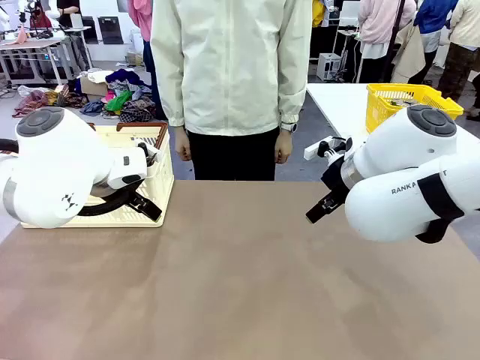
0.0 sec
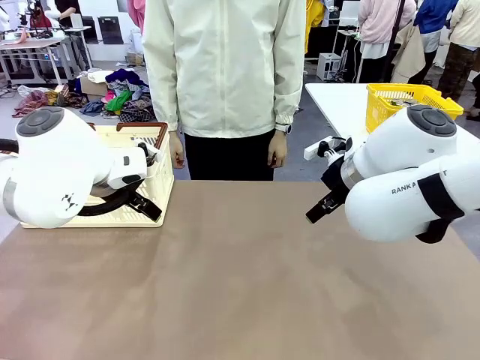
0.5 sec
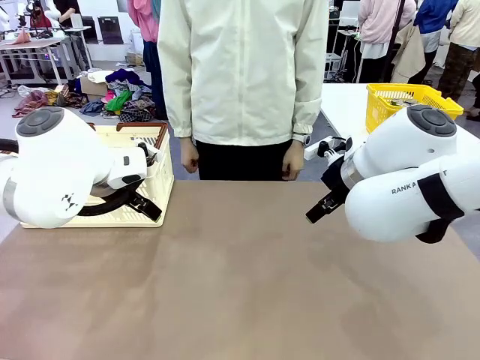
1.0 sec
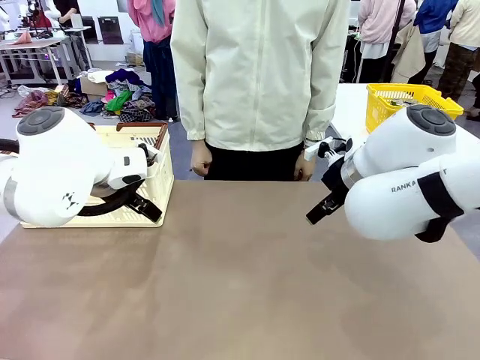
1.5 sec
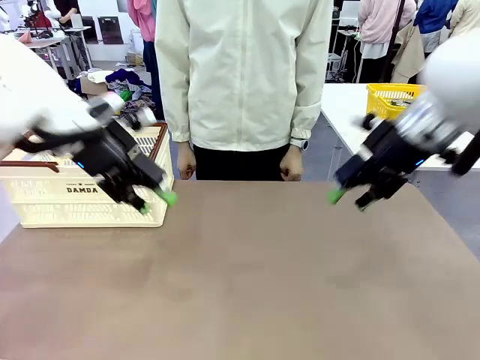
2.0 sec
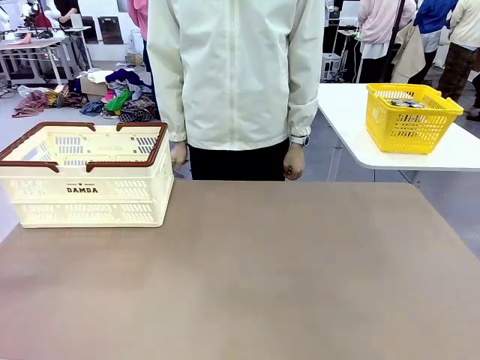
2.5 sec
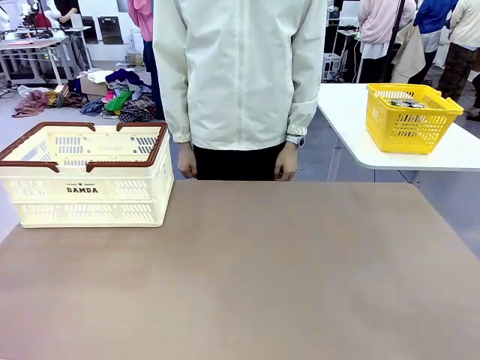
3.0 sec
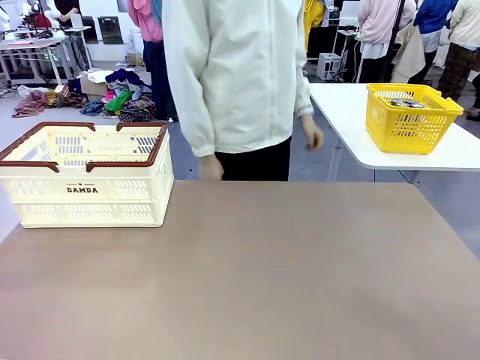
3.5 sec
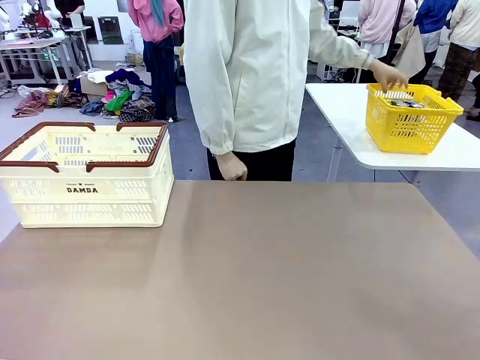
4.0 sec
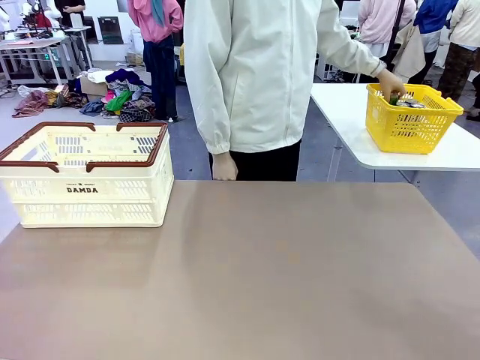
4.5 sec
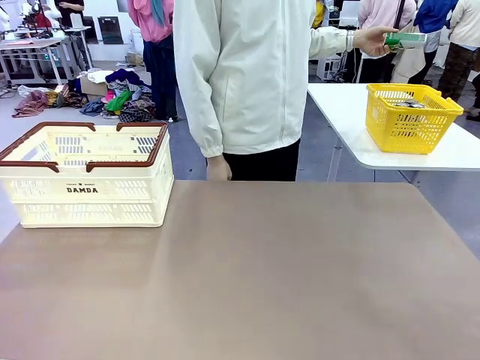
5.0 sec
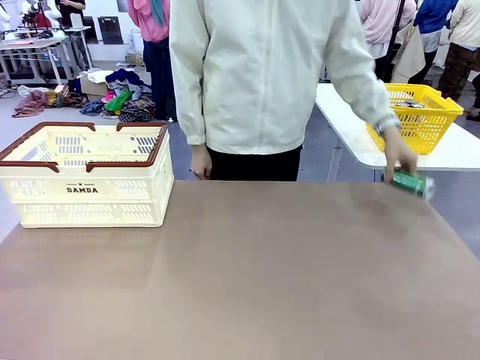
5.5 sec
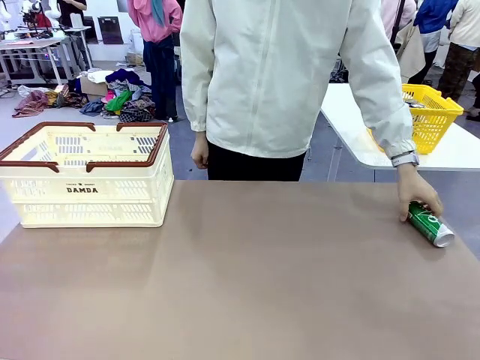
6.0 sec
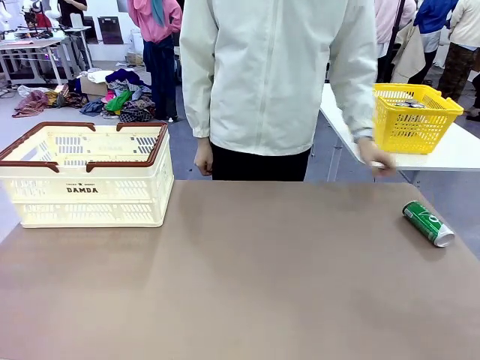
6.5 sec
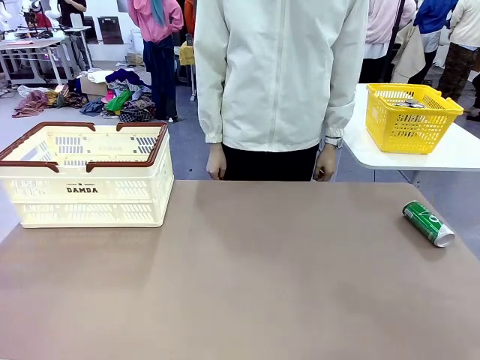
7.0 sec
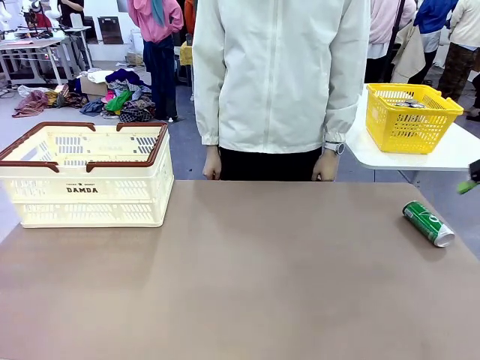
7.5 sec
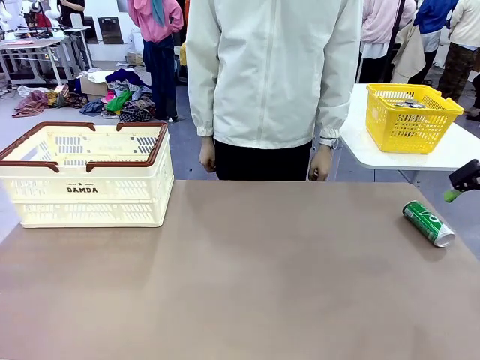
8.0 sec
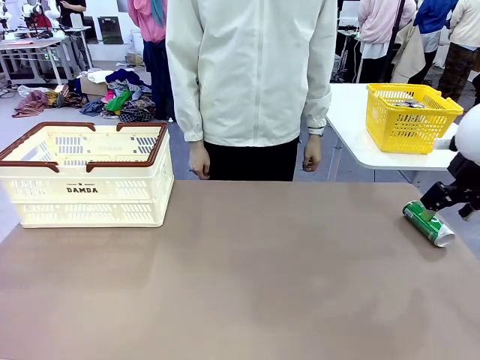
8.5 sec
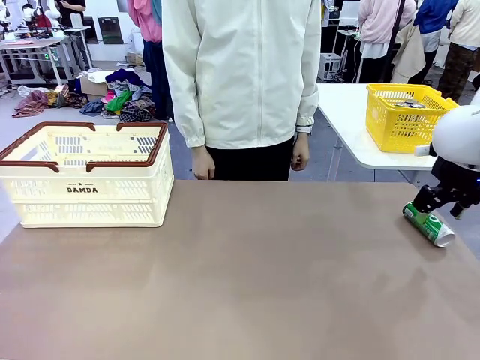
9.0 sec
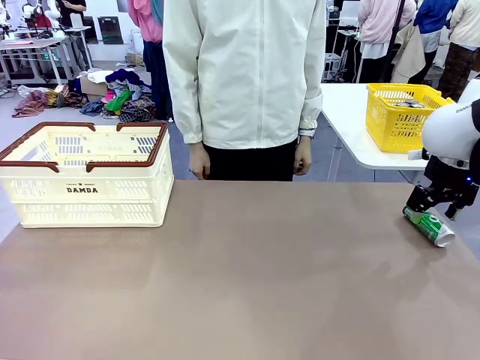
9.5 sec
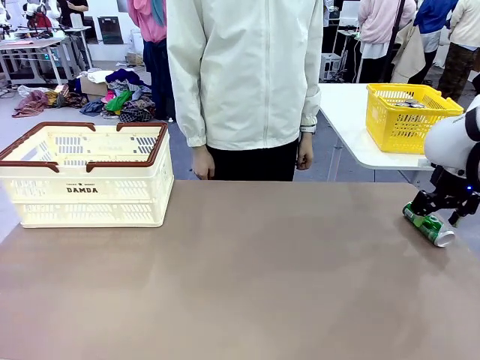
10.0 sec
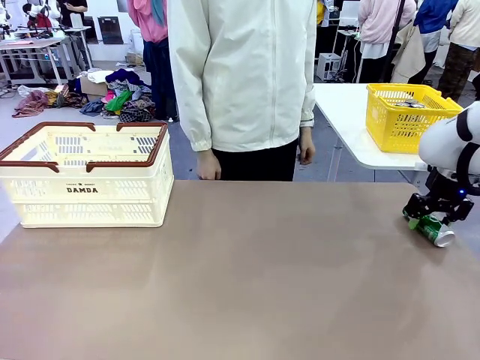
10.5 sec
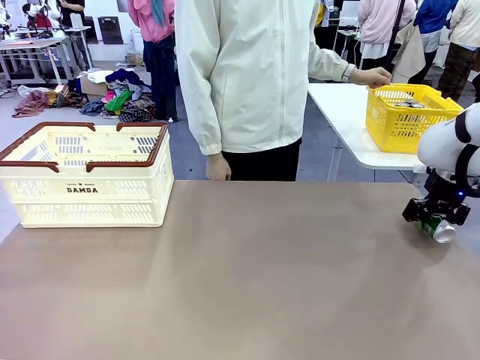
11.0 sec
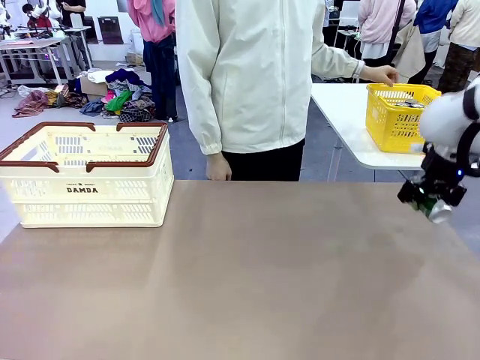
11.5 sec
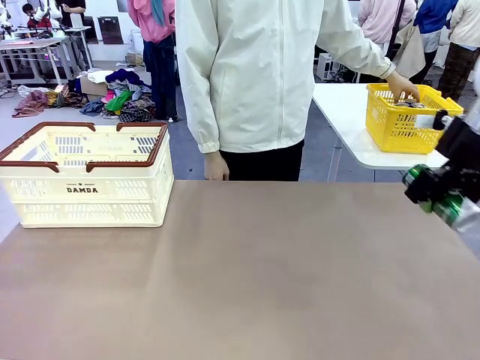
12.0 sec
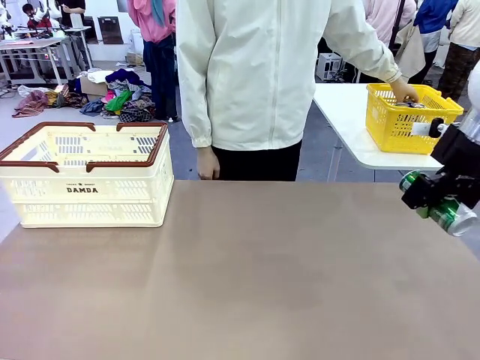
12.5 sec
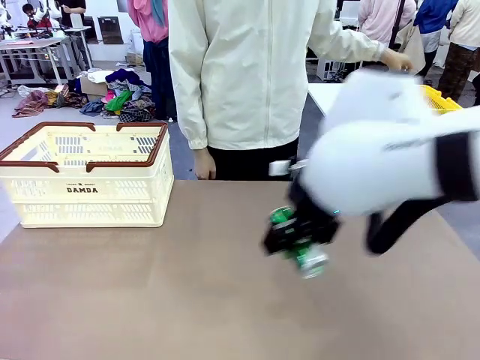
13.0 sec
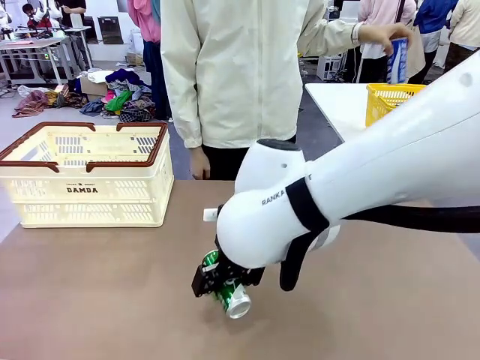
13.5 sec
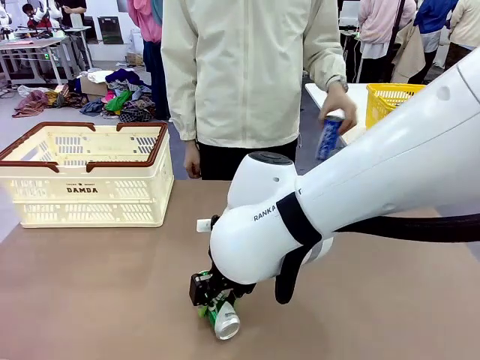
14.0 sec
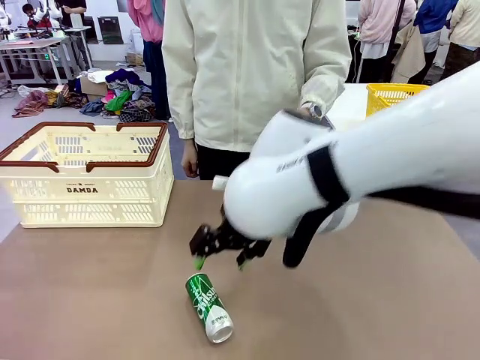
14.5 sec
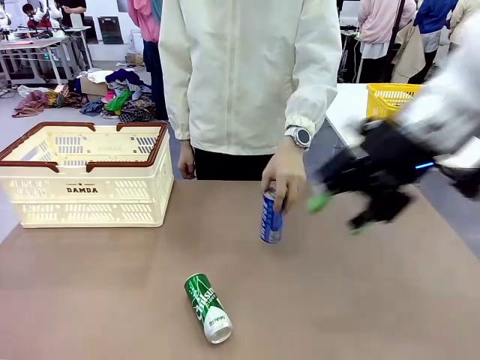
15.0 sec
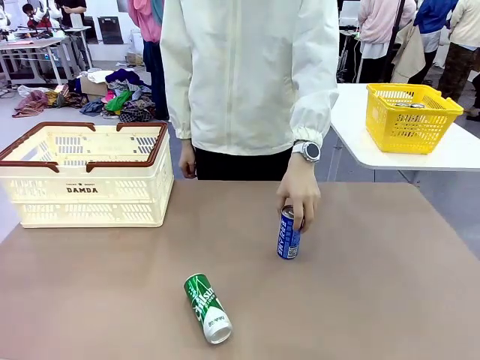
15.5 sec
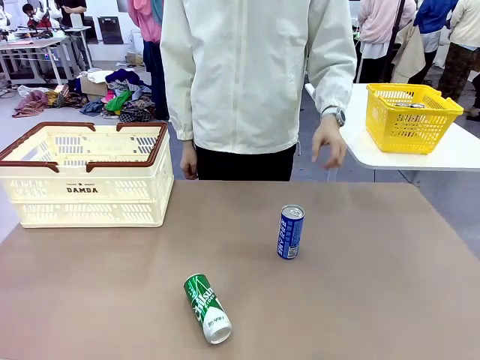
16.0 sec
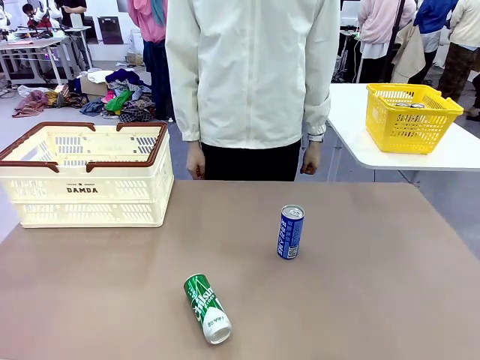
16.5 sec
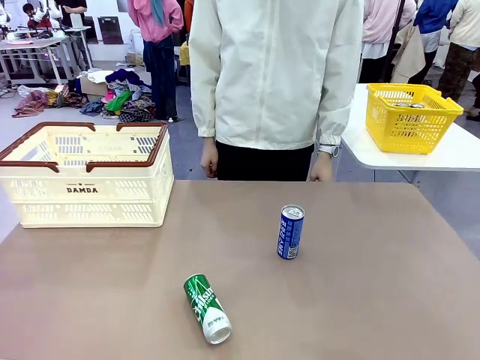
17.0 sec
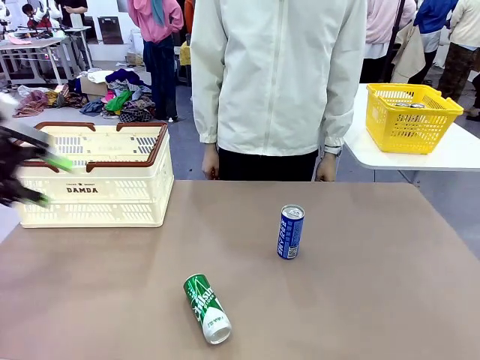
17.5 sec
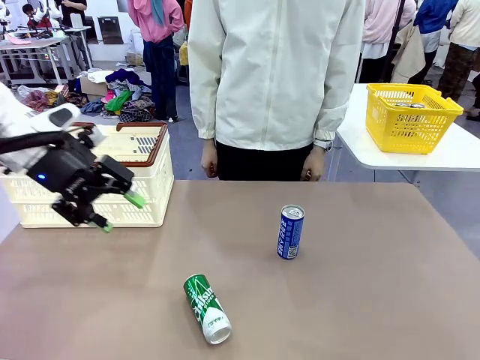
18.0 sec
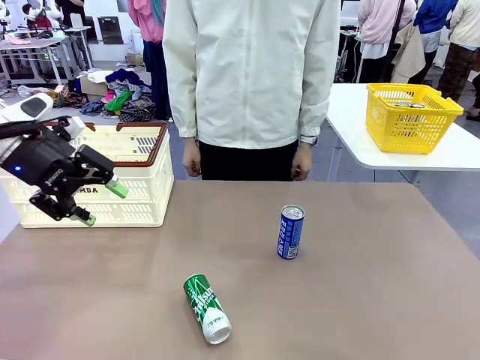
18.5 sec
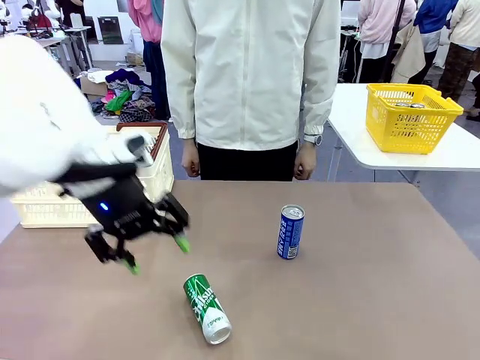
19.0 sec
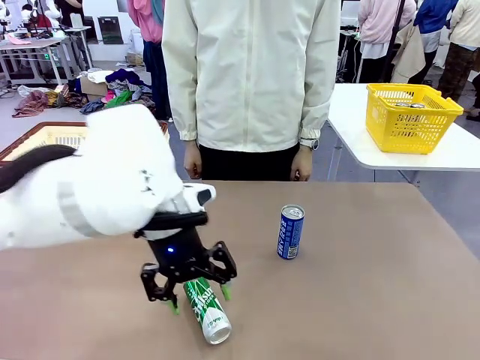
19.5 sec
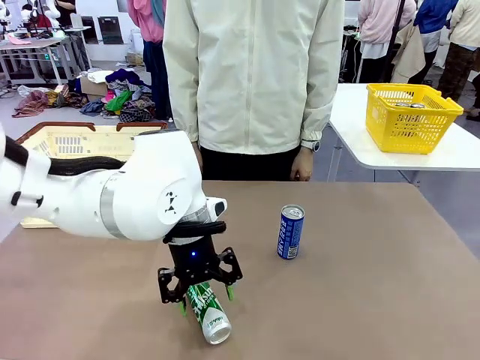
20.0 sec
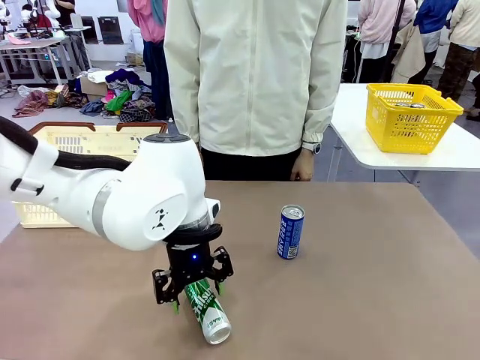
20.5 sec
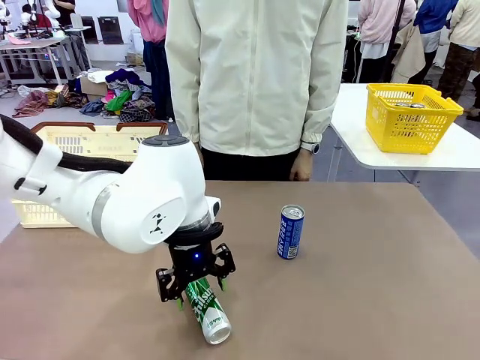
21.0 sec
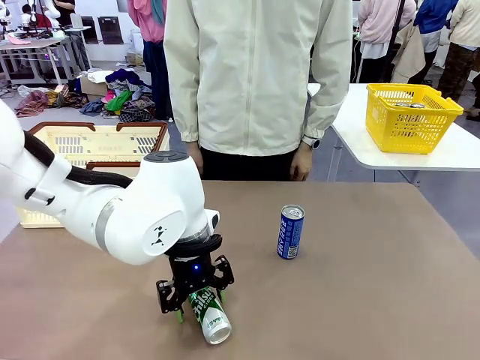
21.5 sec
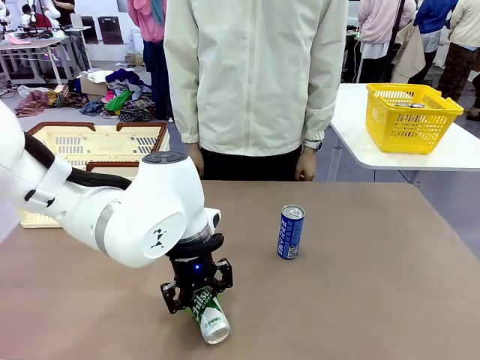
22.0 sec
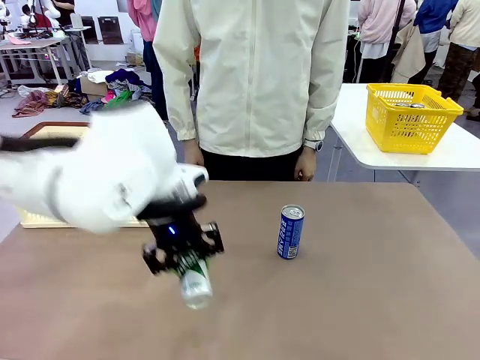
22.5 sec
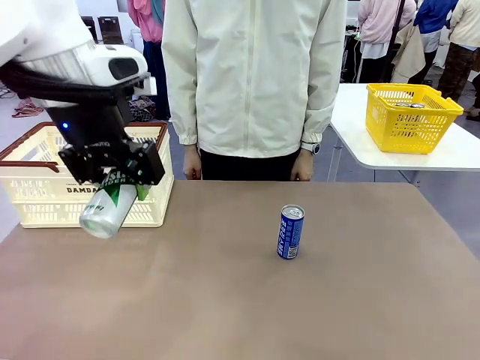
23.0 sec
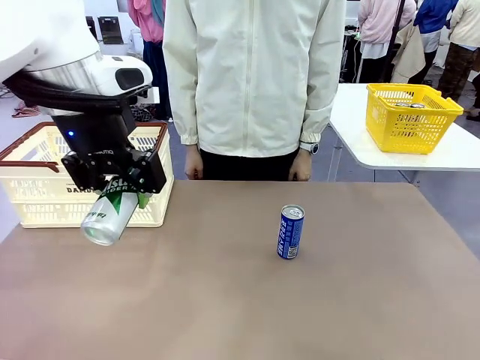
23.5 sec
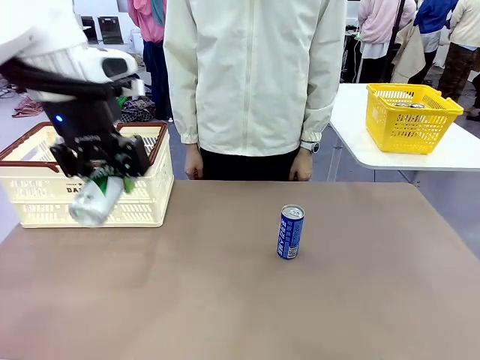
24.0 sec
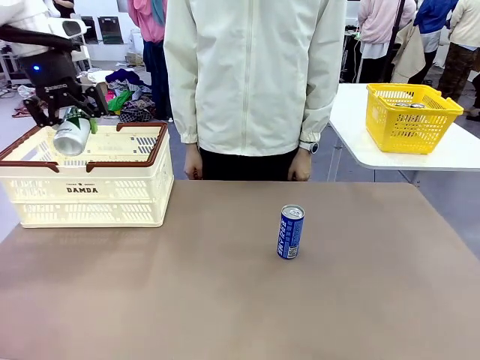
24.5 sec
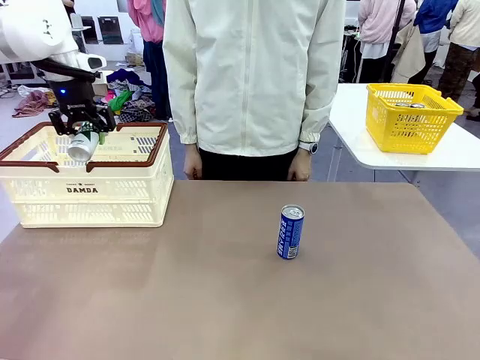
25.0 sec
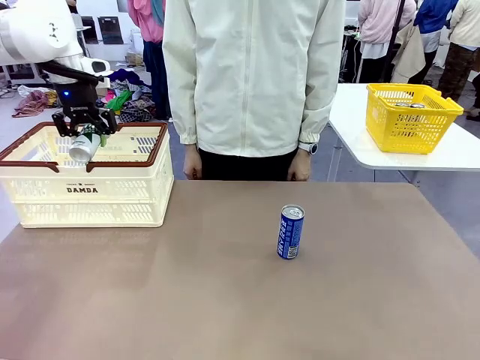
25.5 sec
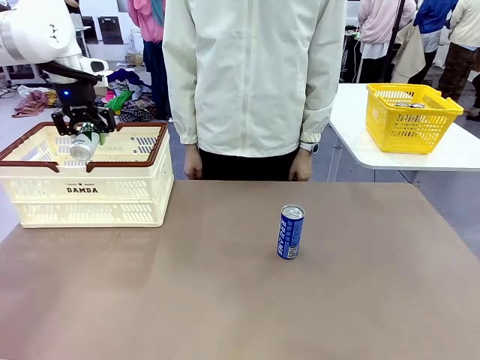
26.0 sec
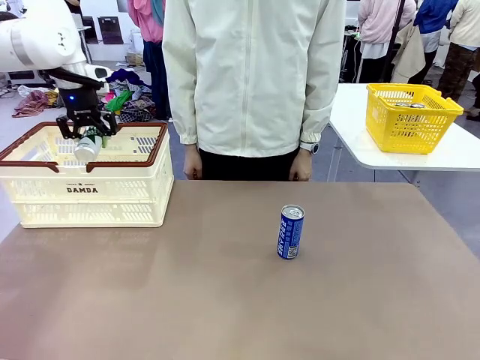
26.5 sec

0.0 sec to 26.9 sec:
Task: Place the drinks into the Shopping basket.
Robot: Pick up one drink and place it into the Shopping basket.
